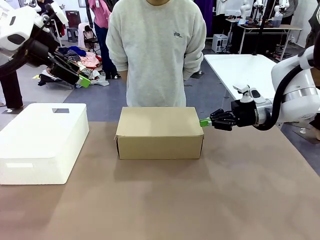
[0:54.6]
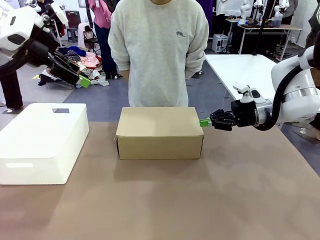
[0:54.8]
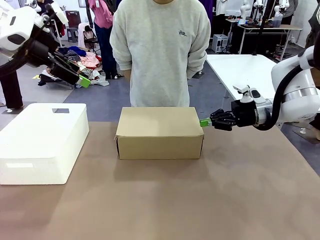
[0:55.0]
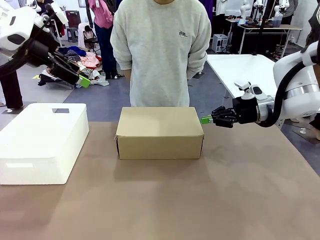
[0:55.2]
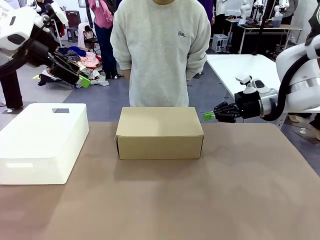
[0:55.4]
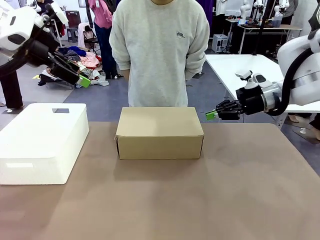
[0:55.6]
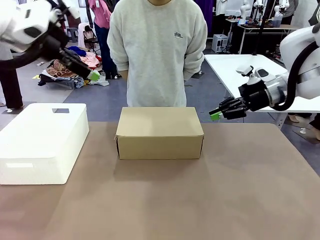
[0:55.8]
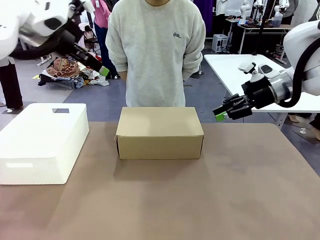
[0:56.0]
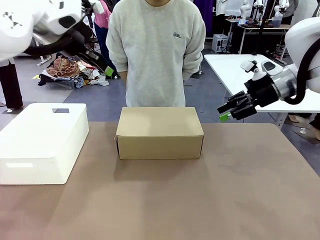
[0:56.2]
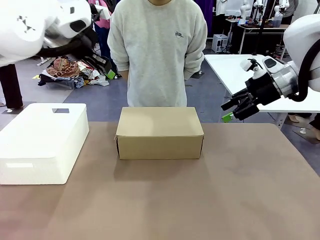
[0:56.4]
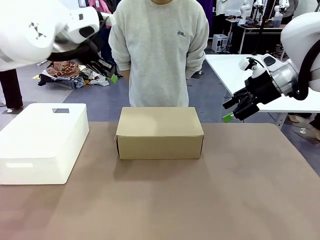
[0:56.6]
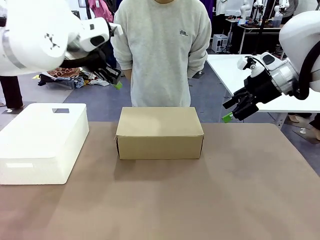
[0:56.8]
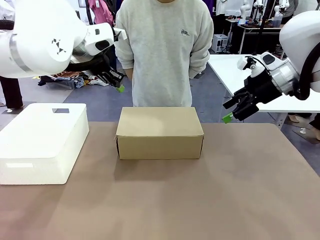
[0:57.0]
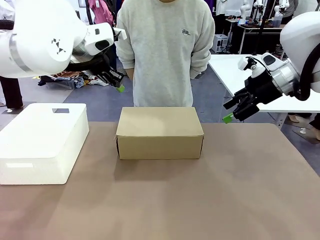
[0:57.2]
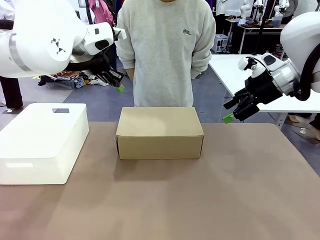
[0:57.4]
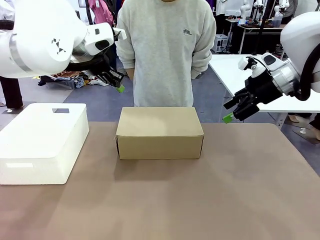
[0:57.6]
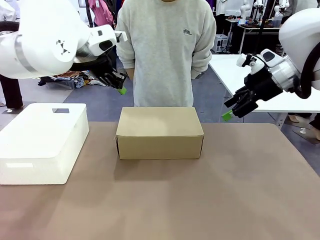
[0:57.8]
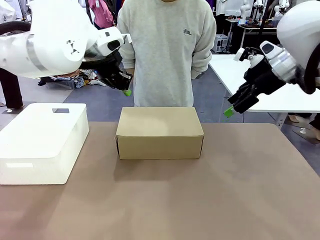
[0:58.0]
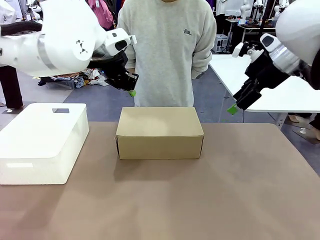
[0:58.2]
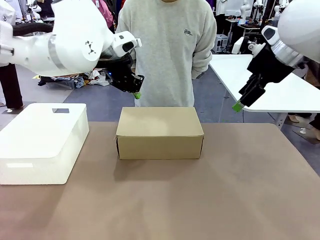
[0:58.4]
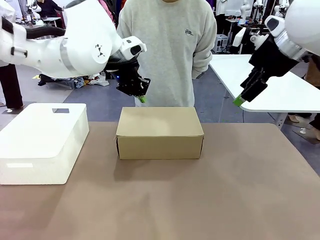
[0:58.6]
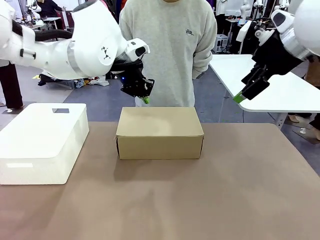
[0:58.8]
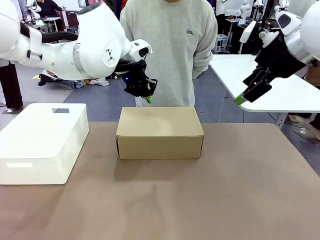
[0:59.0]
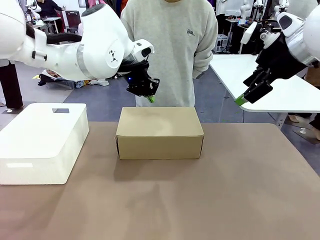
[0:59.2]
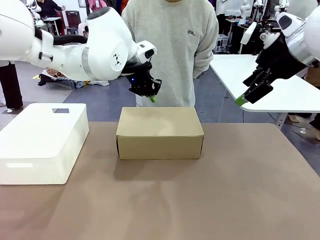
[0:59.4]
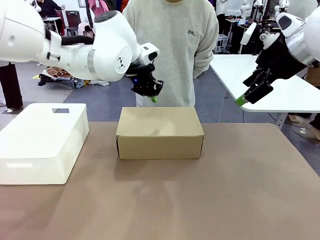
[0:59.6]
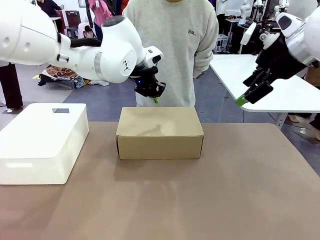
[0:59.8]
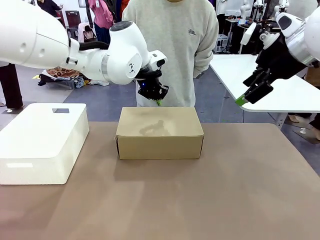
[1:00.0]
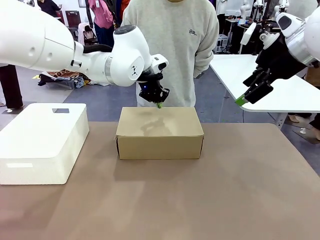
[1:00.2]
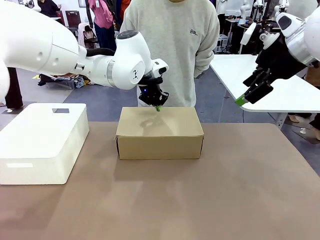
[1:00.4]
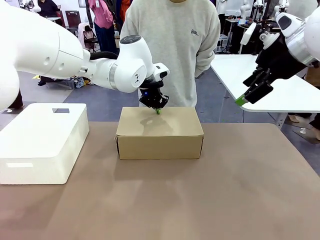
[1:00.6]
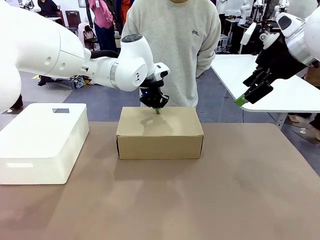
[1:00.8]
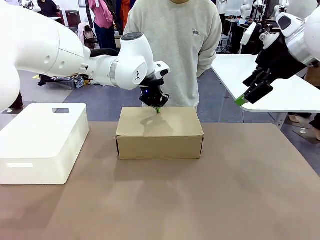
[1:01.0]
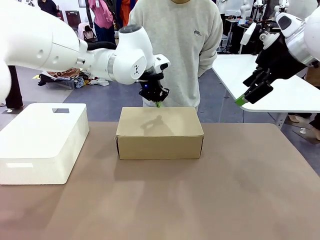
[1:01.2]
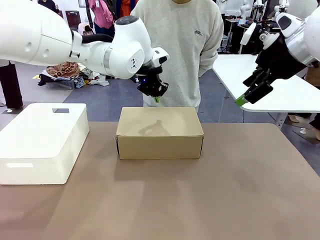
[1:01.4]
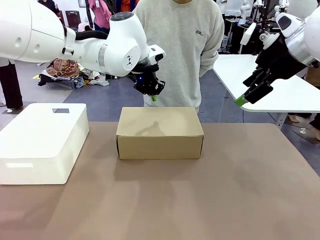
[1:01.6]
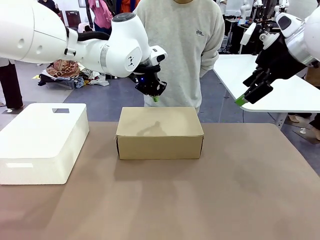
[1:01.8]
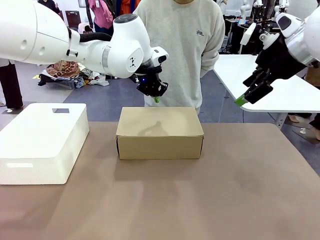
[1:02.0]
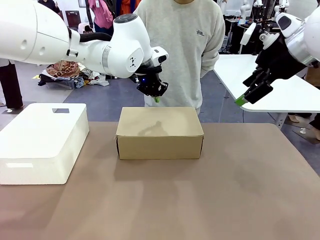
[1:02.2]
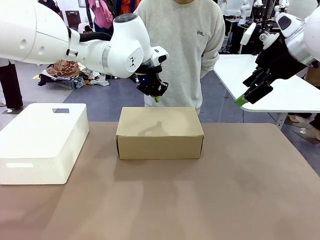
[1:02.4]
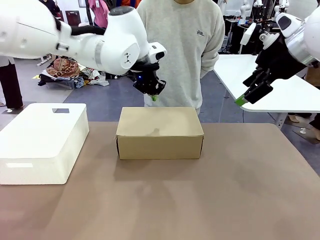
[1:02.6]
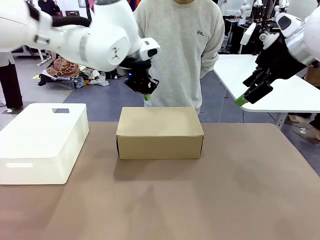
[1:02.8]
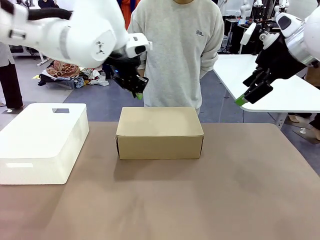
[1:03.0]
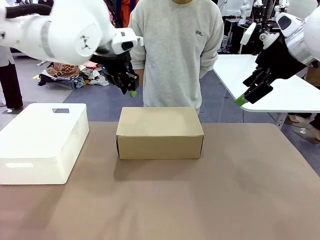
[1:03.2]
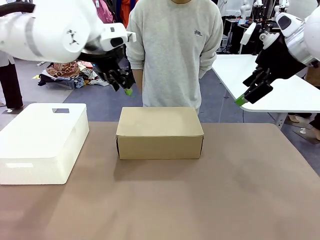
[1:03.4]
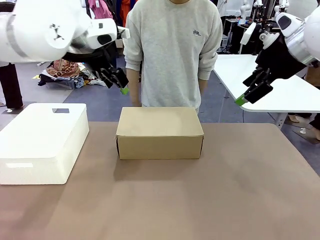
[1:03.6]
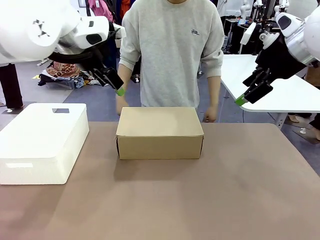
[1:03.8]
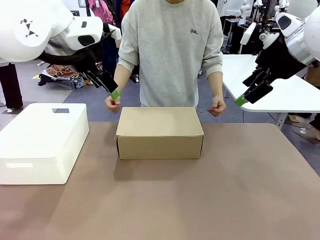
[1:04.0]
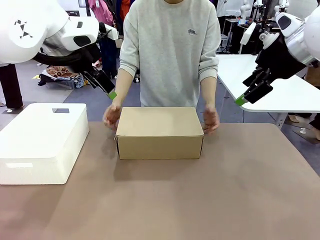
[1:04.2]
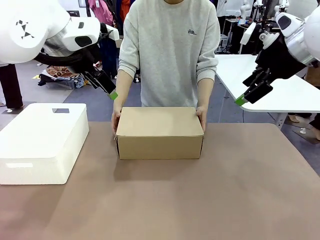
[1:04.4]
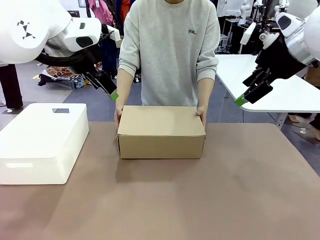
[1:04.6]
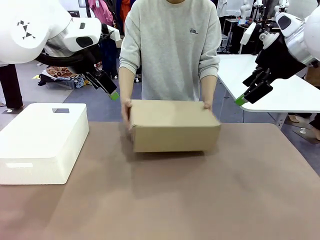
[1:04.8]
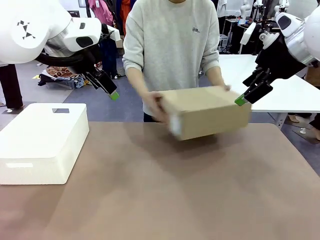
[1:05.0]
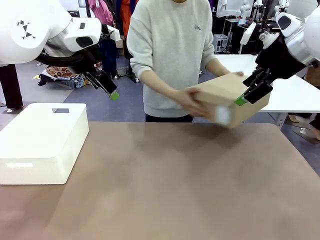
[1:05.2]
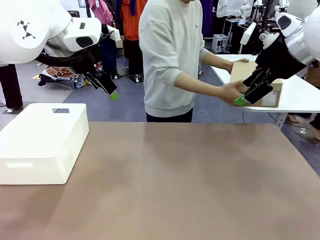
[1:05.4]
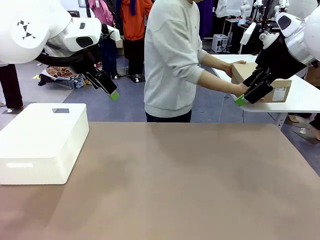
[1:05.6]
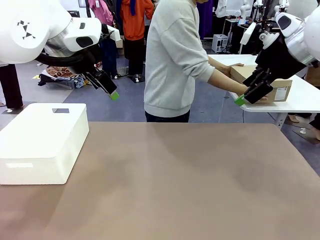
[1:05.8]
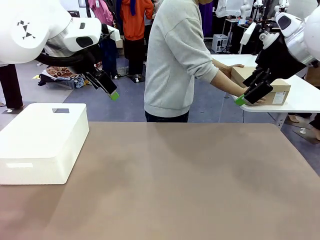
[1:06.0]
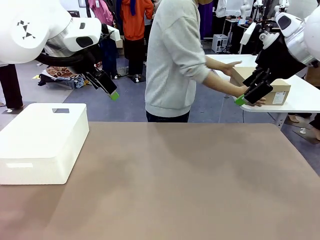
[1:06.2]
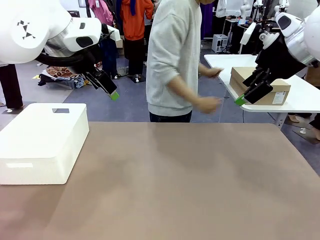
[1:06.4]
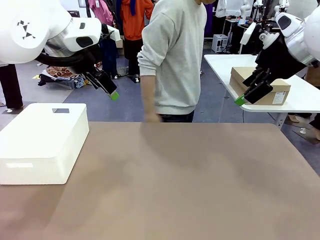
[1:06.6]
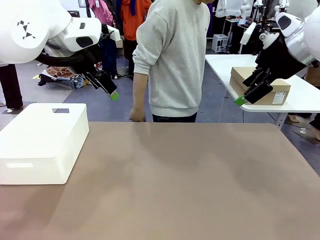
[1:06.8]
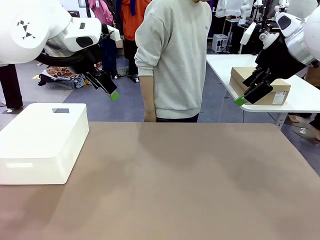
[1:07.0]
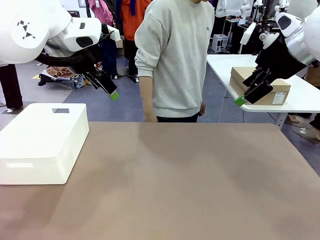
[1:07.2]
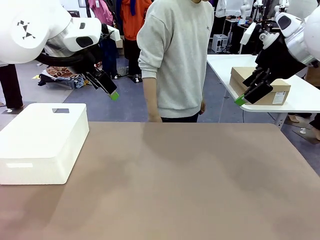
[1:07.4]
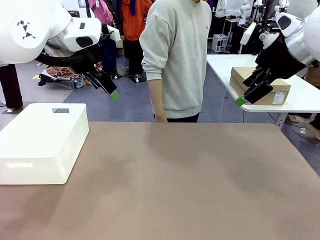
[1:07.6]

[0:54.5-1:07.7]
Task: Pack the shoes into the box.
Robot: Press down on the lid of the Shoes Box.
Person: Place the closed Shoes Box to the right side of the human table.

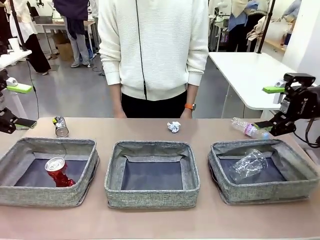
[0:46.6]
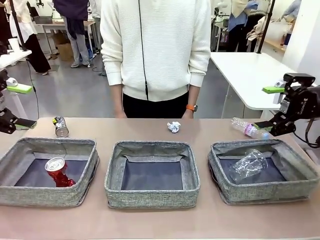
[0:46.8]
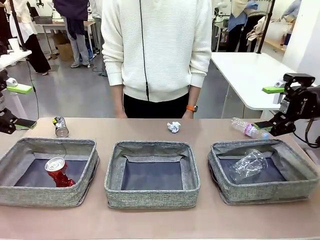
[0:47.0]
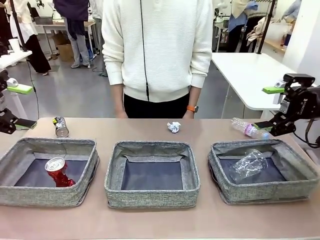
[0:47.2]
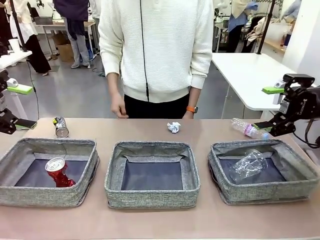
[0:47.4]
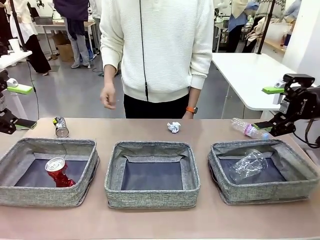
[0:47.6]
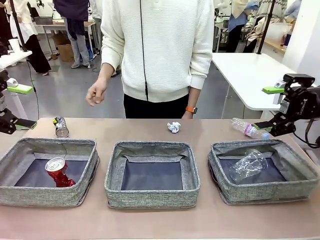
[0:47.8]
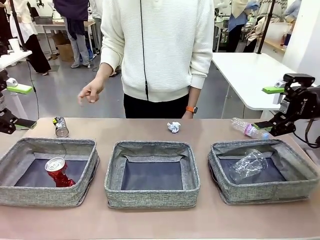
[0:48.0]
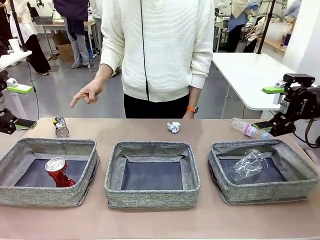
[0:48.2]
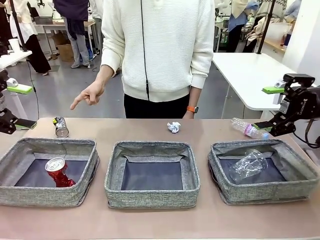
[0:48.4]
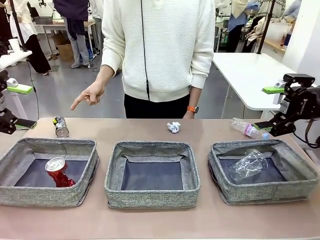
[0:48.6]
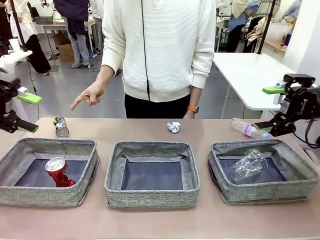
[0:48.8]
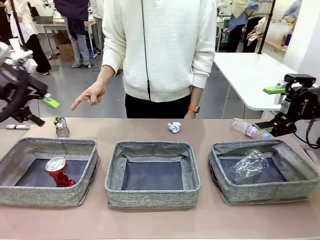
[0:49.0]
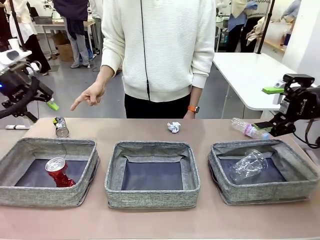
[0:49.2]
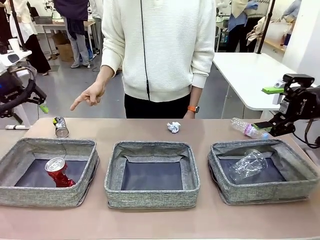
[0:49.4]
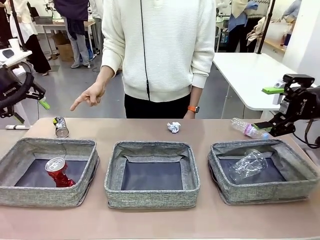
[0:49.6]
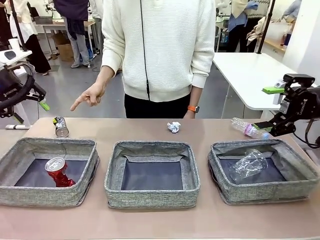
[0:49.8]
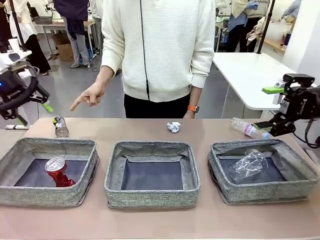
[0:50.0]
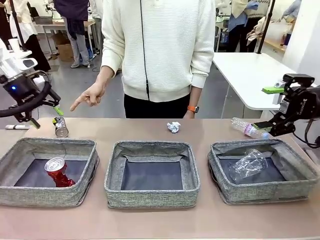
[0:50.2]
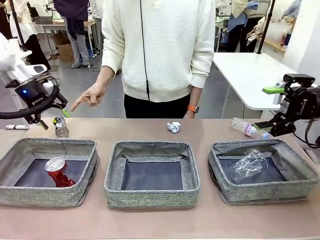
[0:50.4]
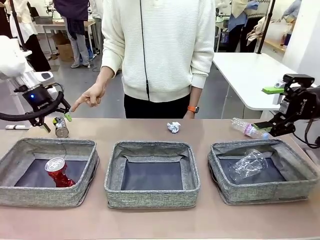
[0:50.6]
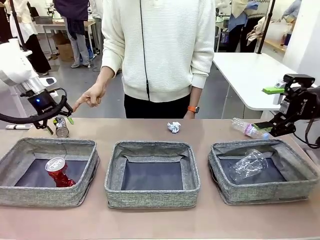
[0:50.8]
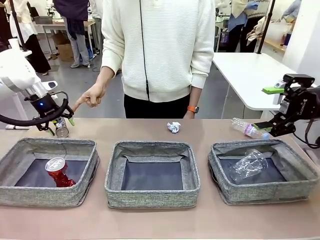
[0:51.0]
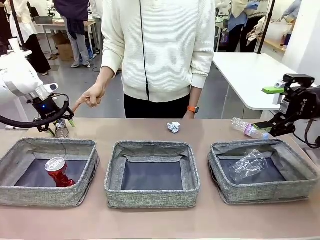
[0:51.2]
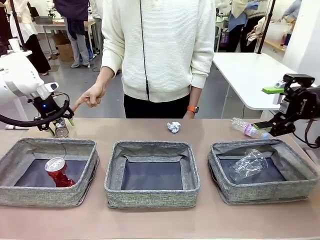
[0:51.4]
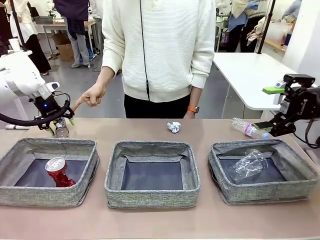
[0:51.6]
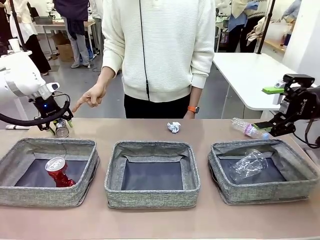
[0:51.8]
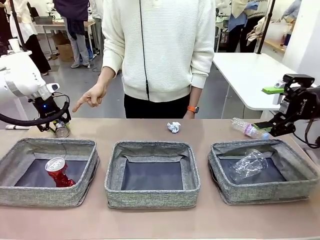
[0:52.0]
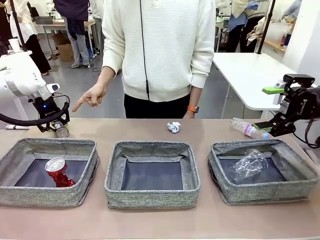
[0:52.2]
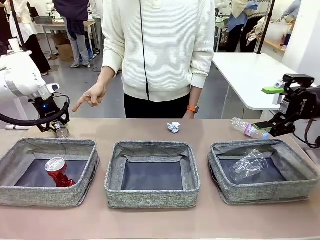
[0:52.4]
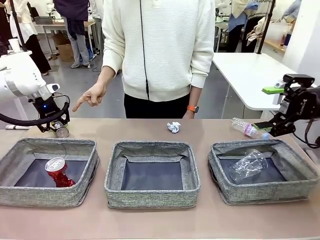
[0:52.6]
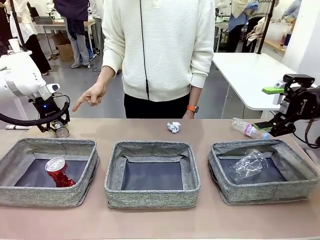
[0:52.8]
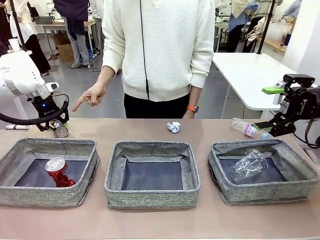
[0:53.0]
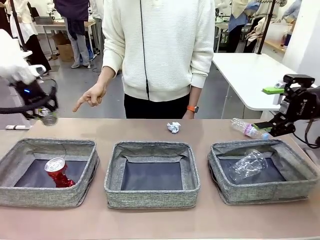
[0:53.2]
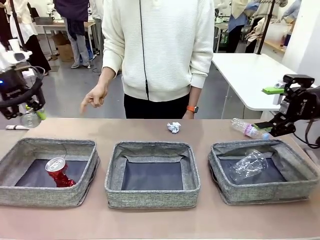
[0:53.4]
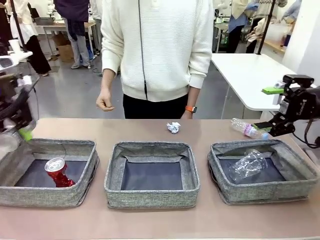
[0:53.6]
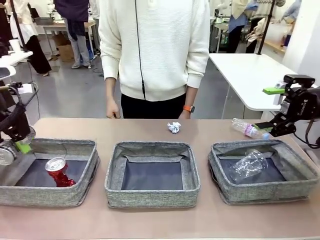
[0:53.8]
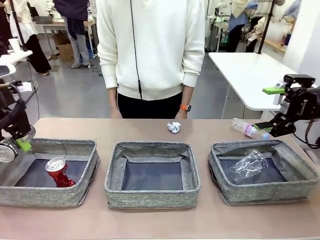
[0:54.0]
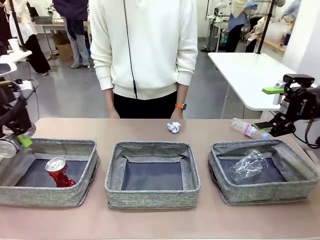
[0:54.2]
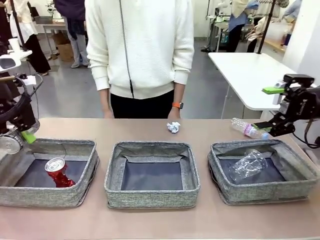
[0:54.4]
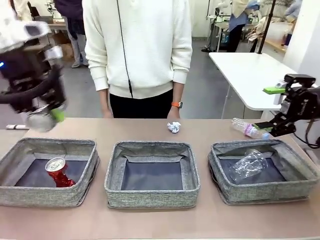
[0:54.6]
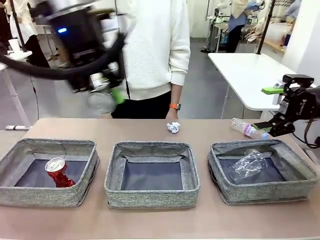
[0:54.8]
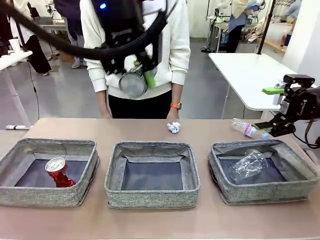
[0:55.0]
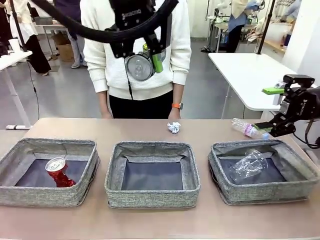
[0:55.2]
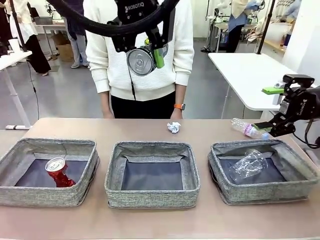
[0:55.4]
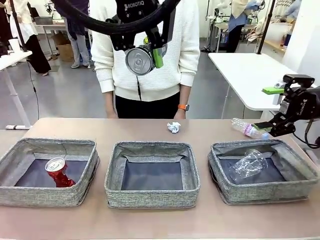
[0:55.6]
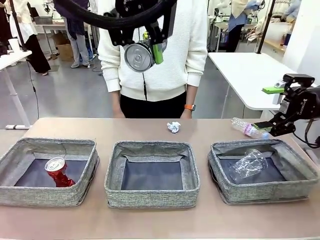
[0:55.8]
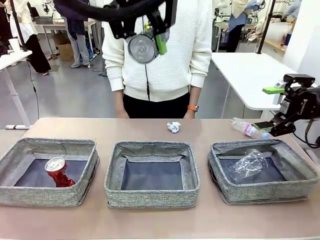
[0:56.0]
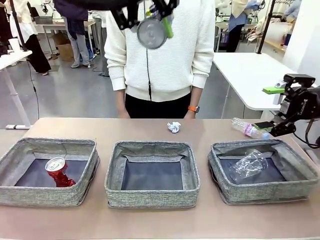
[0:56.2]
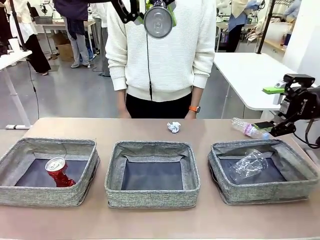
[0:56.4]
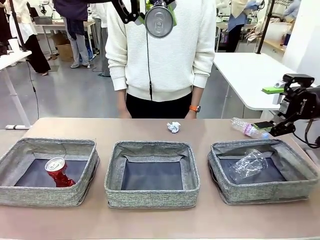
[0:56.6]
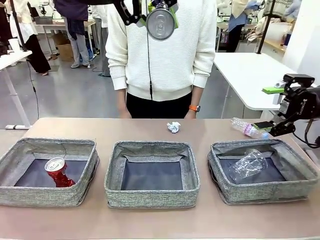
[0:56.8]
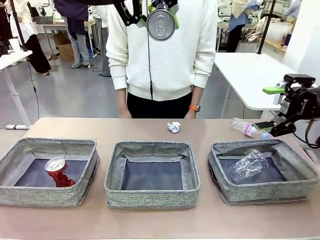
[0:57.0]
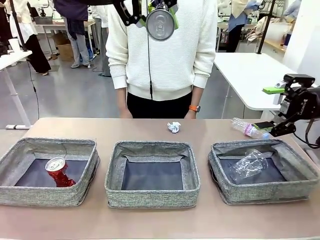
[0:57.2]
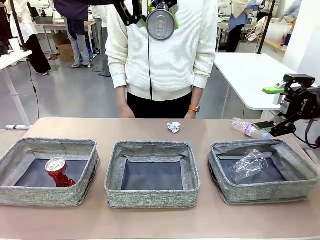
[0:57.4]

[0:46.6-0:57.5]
Task: Sort the waste into the appropriate baskets.
Robot: Pick up the waste item pointed out by the person.
Person: Points to one piece of trash on the table.
